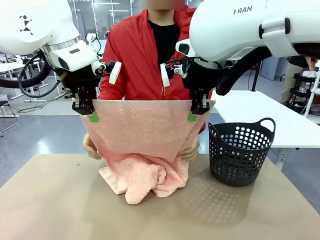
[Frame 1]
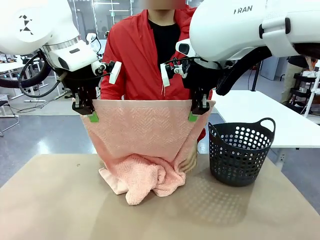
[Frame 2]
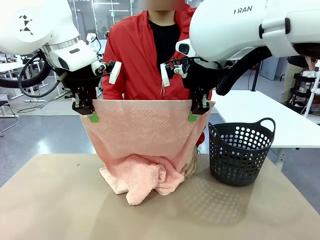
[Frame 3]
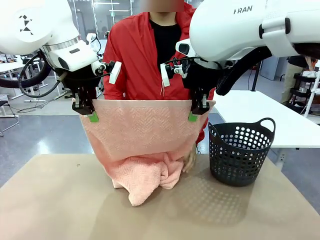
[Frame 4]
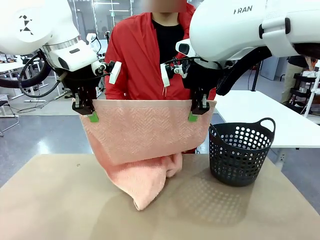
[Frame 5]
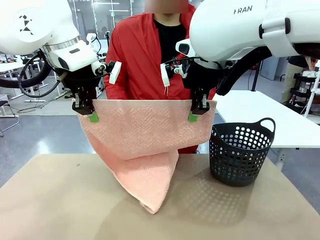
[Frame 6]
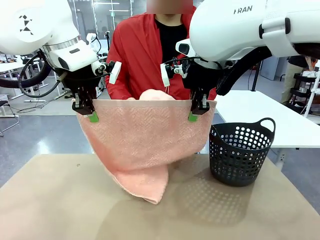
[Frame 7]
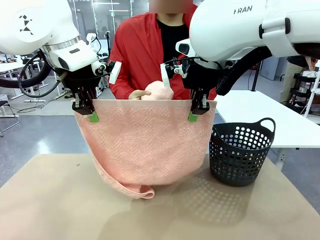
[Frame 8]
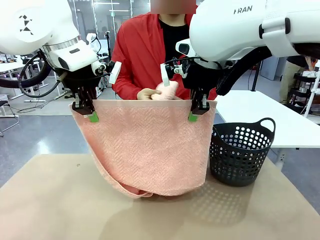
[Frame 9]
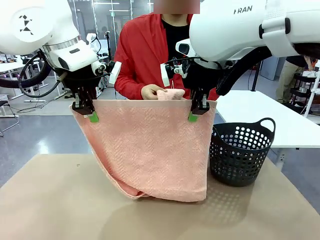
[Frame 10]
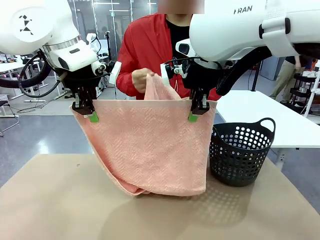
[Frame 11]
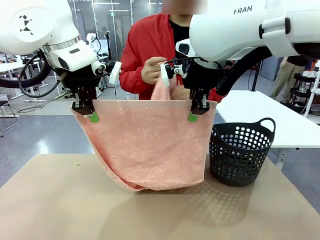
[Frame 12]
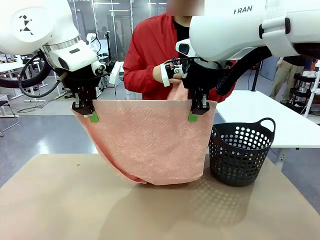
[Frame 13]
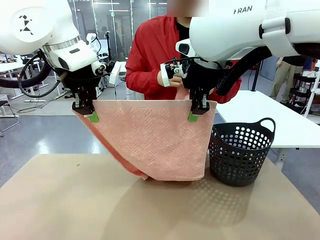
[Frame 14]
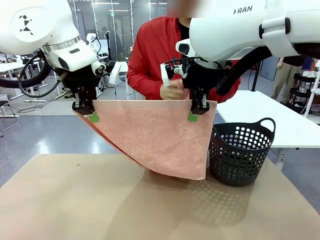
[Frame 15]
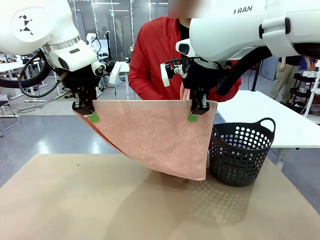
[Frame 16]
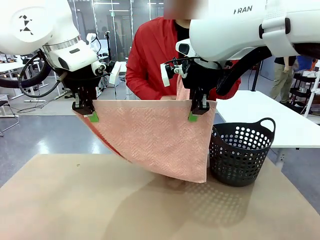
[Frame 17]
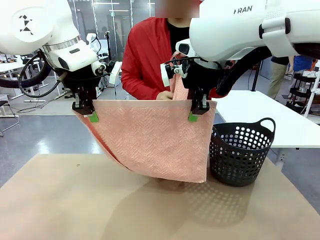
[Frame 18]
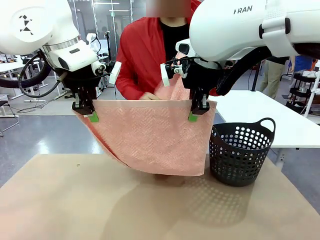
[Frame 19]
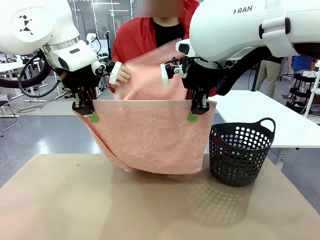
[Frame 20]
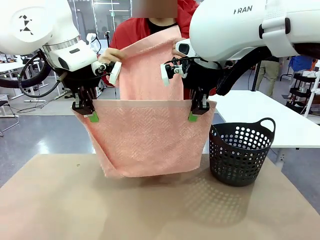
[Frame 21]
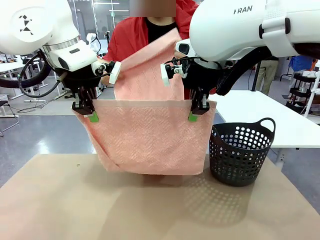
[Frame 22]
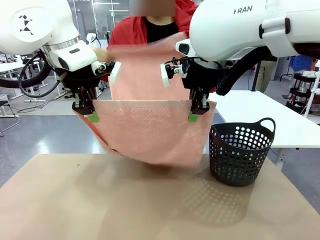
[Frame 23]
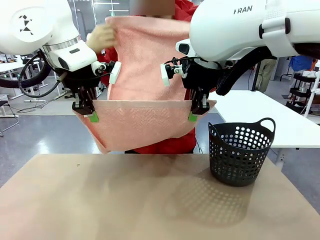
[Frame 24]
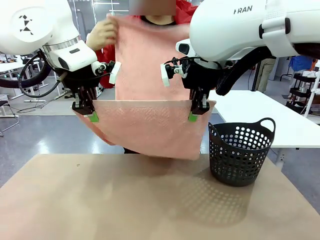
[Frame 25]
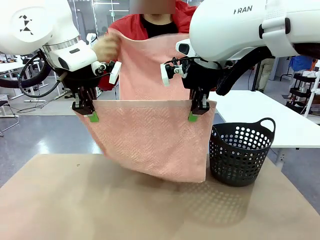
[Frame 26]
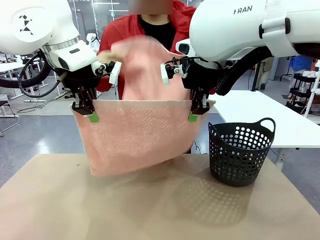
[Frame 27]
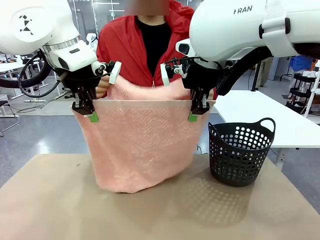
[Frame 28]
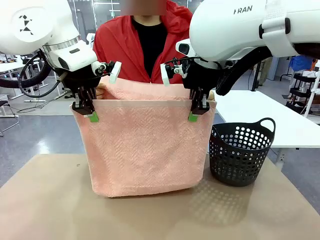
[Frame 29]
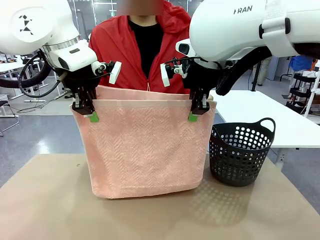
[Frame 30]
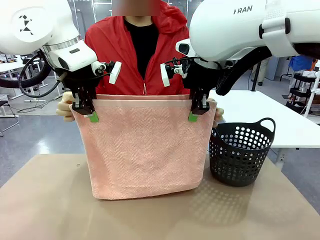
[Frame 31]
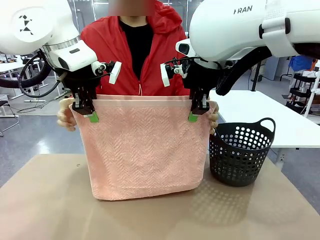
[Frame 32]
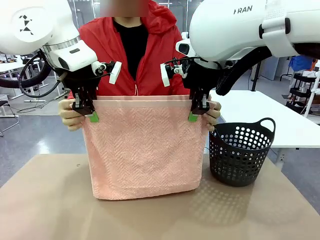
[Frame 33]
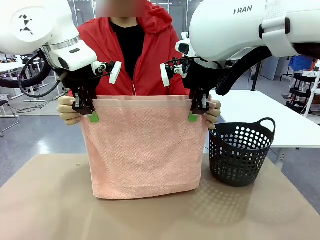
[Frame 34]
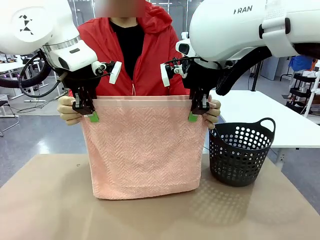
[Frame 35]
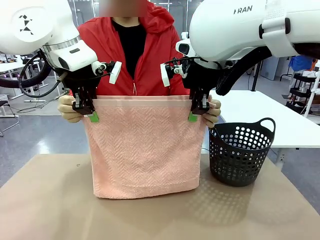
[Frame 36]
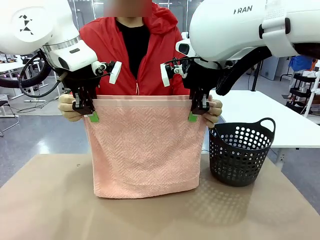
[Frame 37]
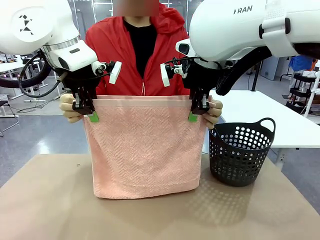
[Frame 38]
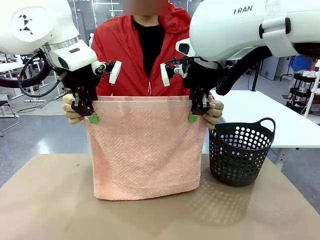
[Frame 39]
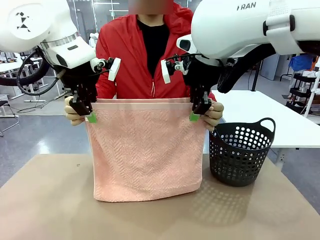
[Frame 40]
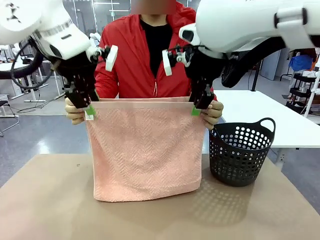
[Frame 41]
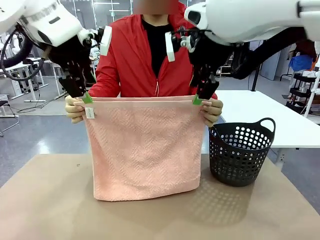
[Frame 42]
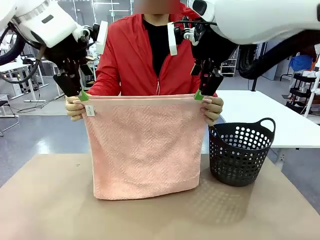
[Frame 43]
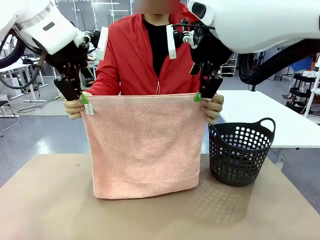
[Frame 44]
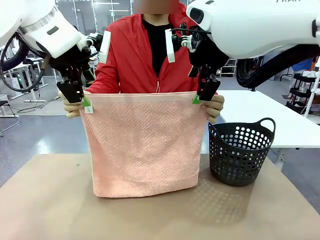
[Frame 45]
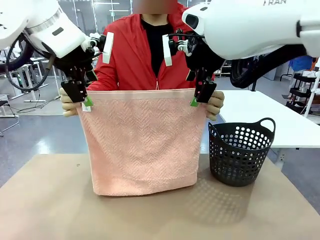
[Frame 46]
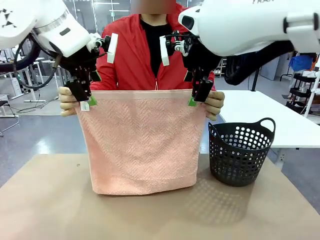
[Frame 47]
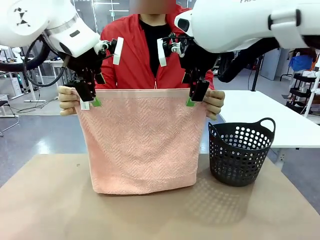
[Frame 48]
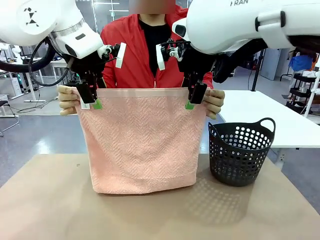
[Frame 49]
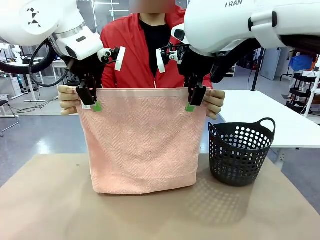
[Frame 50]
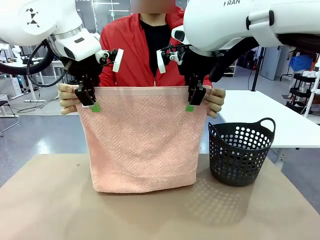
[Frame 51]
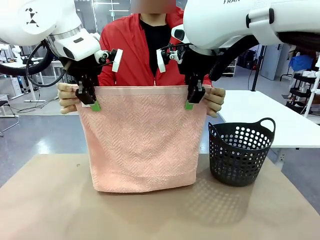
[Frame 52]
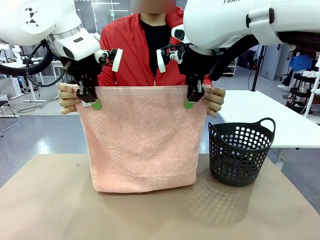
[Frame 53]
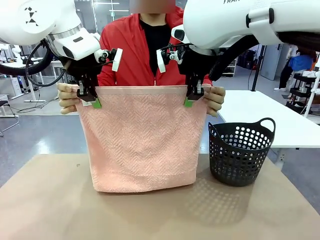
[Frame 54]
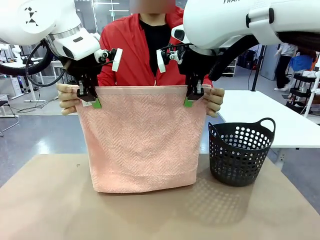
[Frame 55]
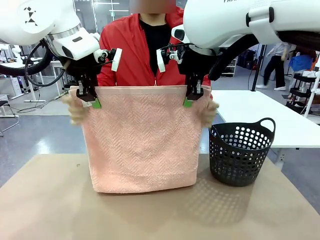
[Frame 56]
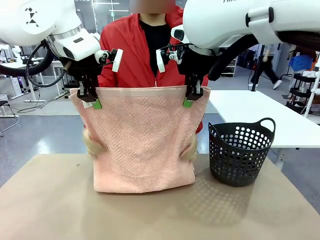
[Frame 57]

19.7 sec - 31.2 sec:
Task: Fold the towel.
Robot: Release the end of the 100 cm Hotel Towel you were holding and grab the top end of the folded side.
Person: Using the point held by the robot as a reference, grasp the opposite end, fold the towel in half, and then hold both ends of the folded towel.

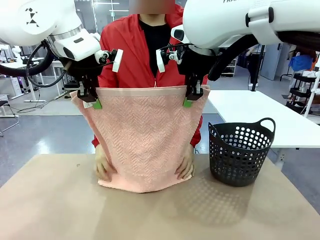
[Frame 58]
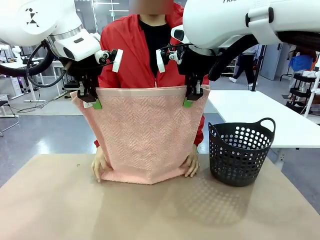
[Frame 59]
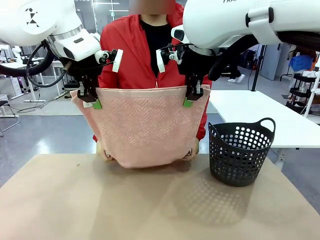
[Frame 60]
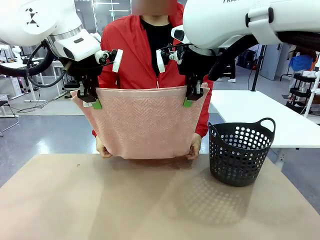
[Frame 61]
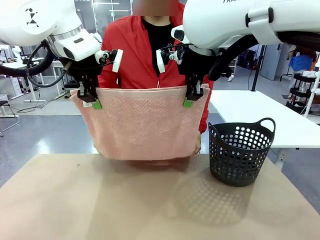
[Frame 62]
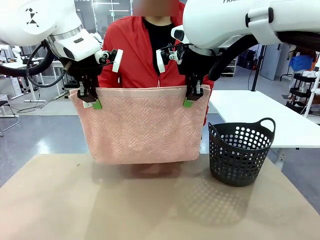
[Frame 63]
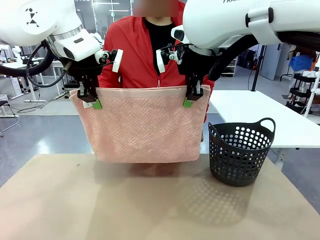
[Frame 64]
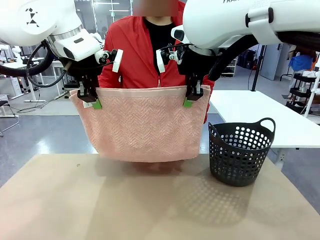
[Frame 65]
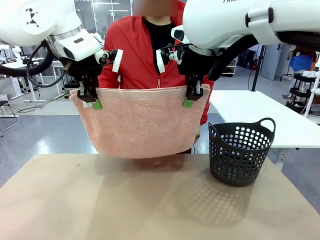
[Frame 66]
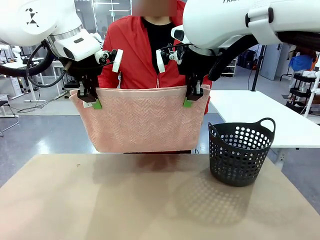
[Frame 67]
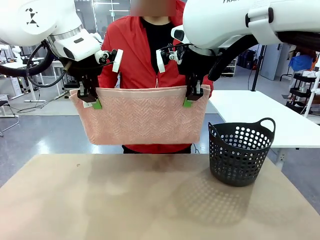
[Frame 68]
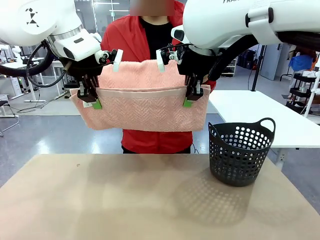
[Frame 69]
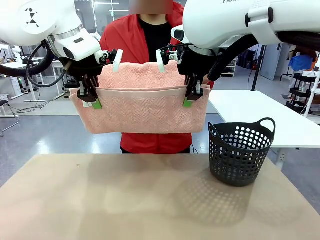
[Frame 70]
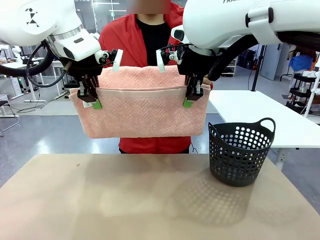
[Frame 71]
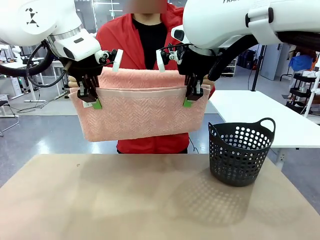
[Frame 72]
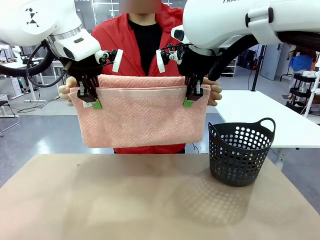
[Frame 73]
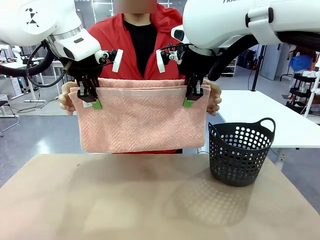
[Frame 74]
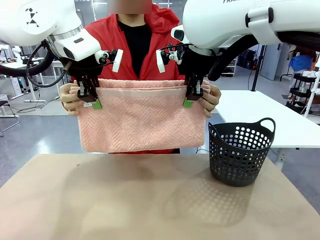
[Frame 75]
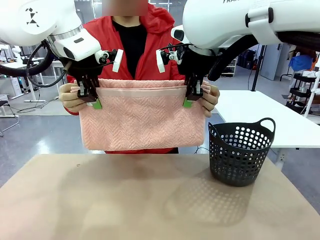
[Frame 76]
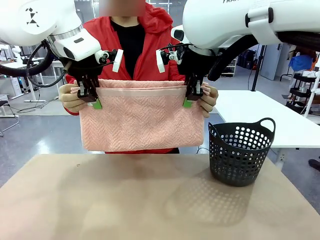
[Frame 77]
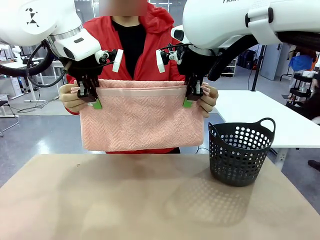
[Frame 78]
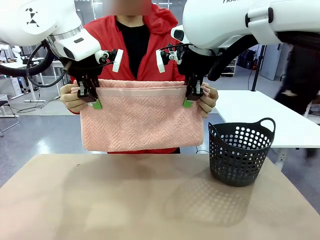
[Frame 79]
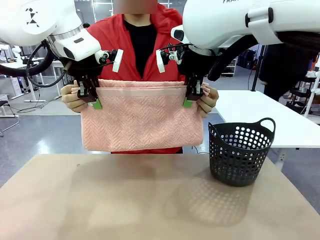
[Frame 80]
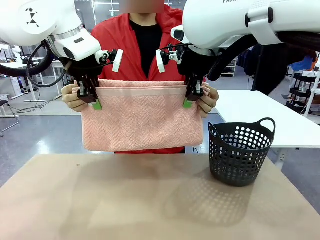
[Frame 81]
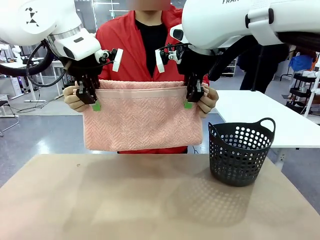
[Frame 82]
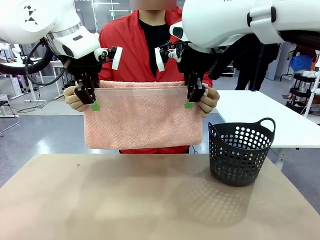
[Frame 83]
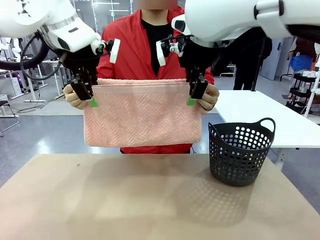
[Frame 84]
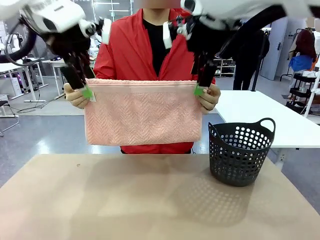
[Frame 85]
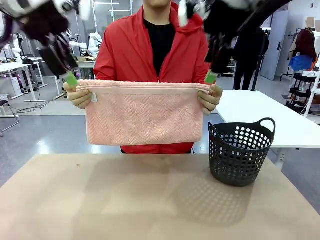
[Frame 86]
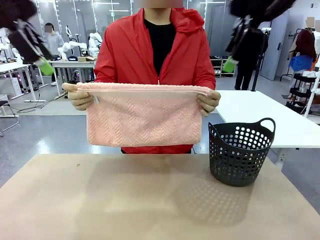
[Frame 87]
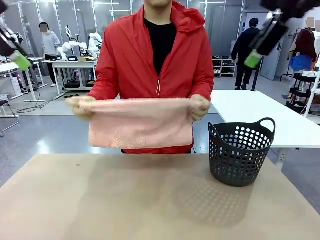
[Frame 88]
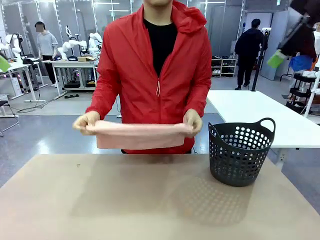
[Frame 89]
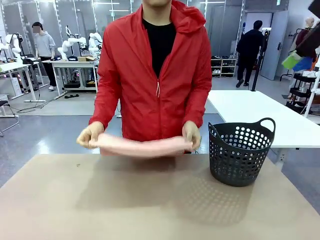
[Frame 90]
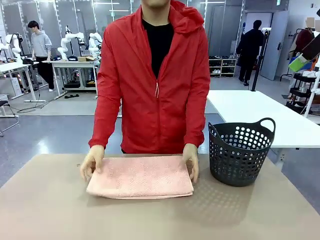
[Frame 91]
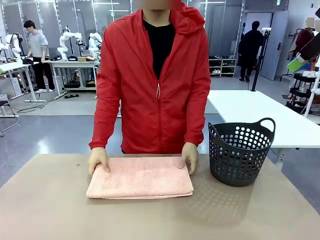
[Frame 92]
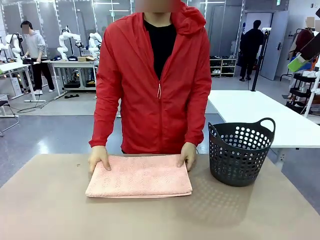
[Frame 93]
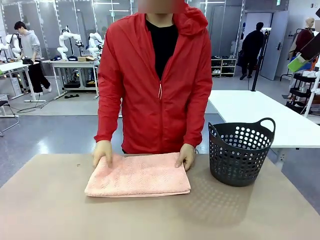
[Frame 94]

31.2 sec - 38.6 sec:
Robot: Release the end of the 100 cm Hotel Towel you were holding.
Person: Place the towel at the center of the robot table and fold it in half.
